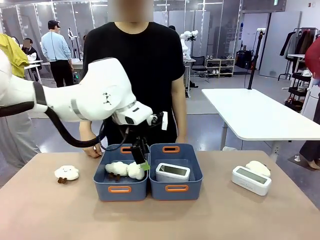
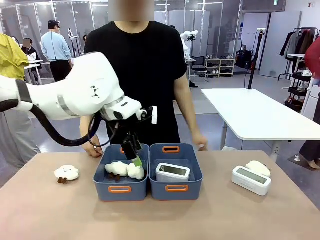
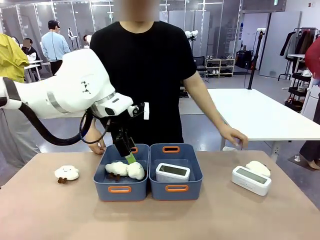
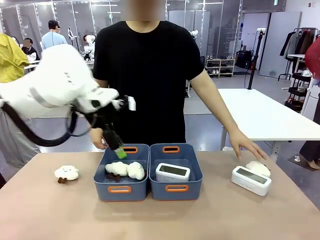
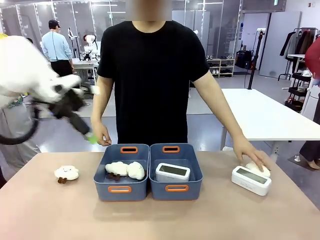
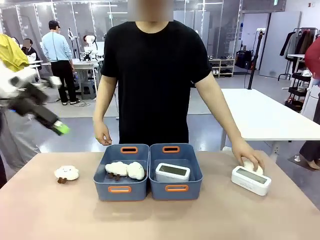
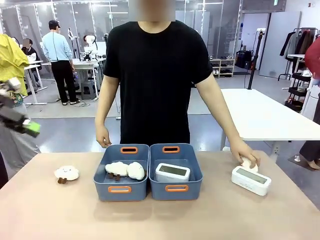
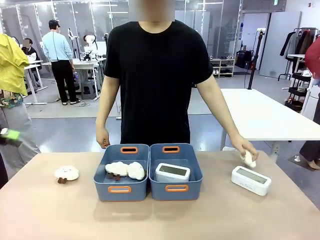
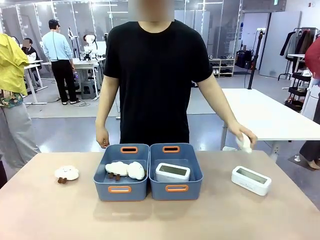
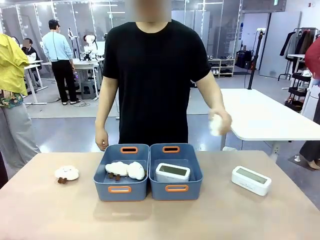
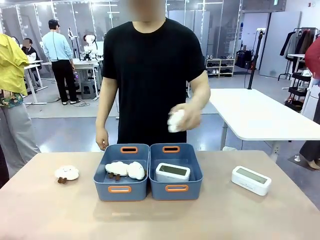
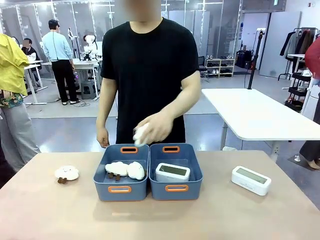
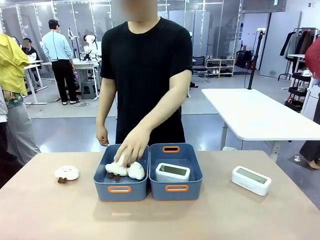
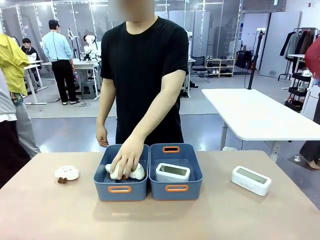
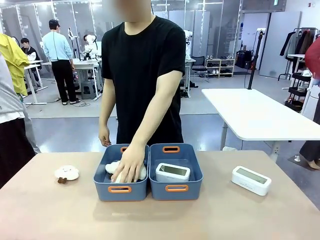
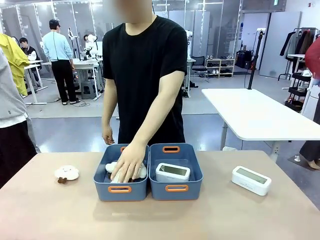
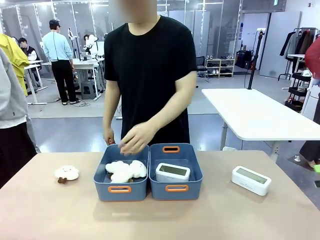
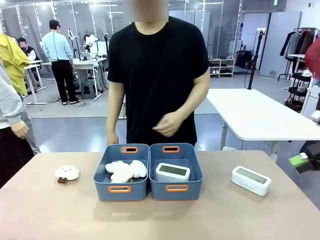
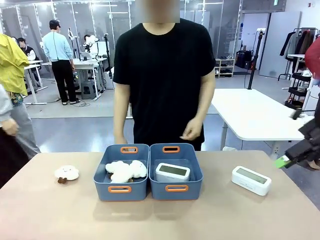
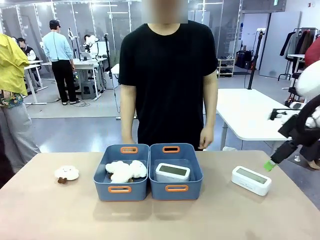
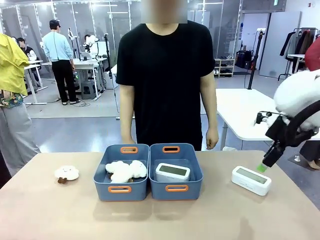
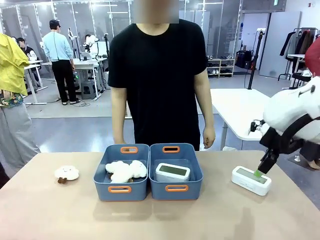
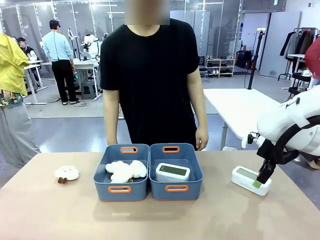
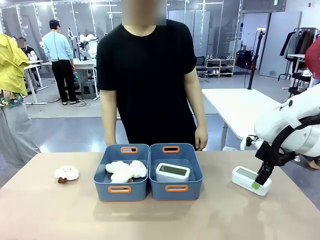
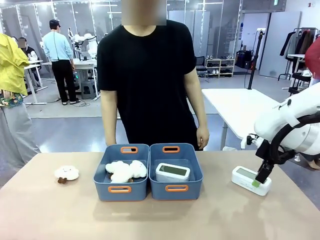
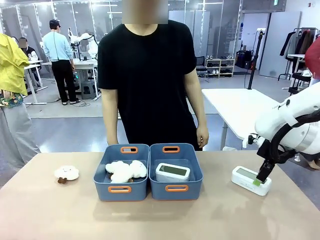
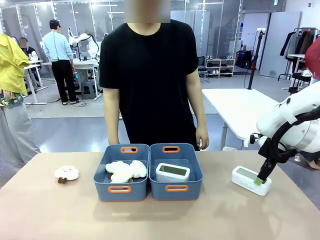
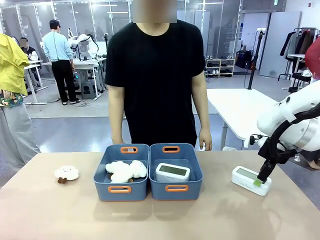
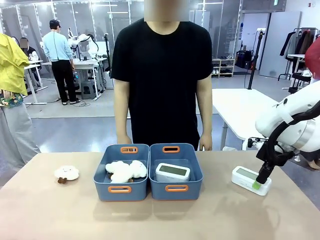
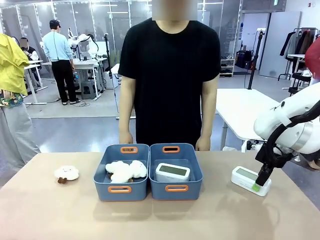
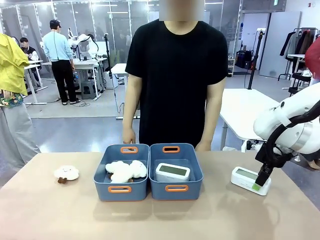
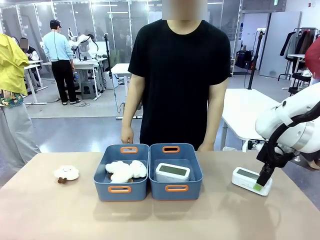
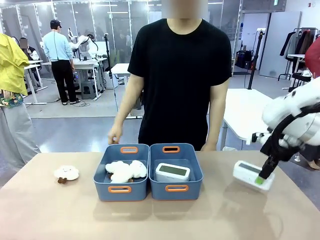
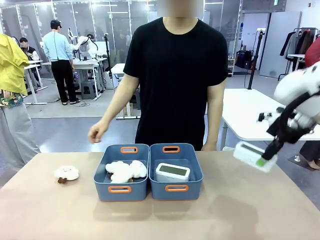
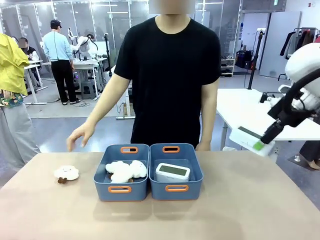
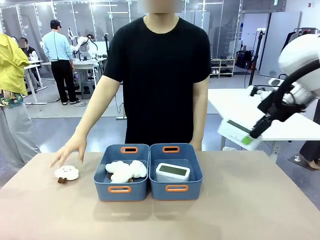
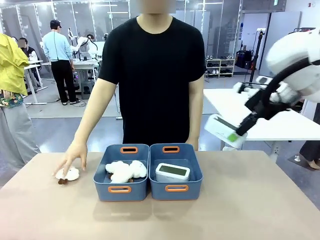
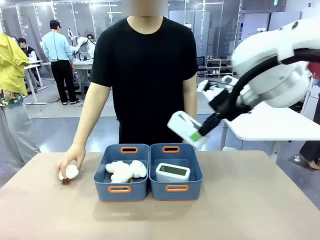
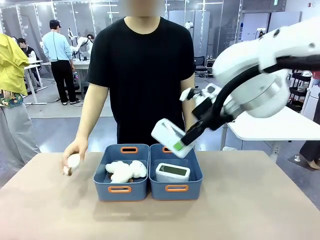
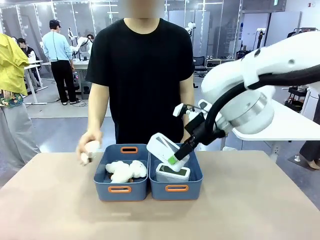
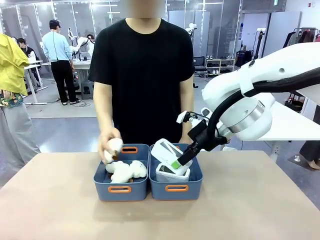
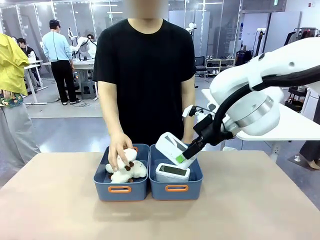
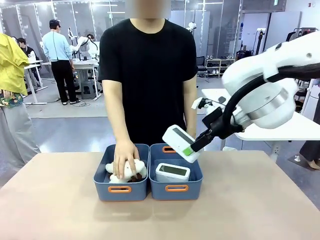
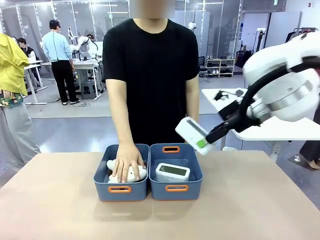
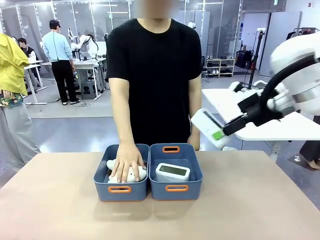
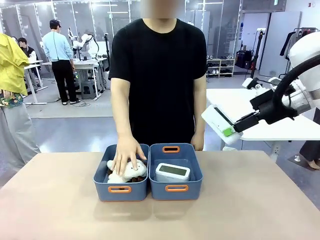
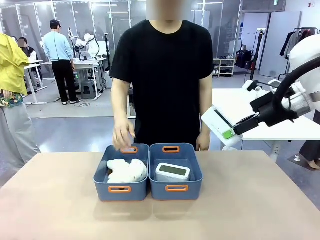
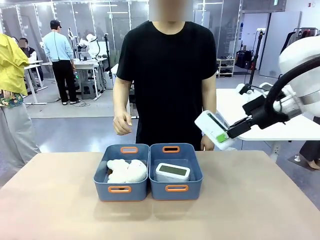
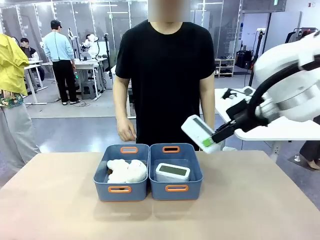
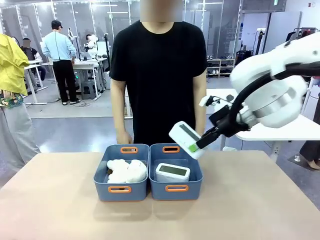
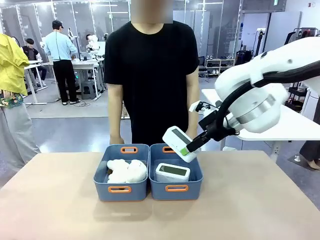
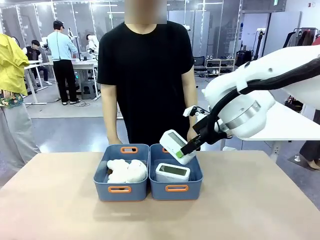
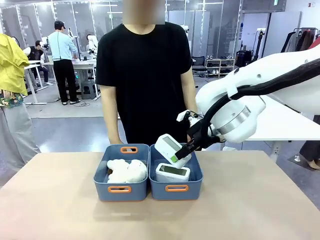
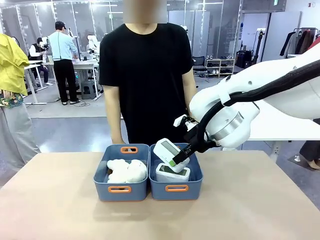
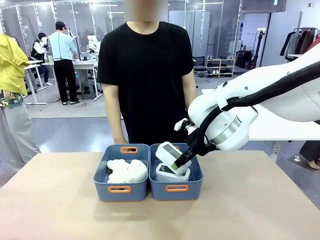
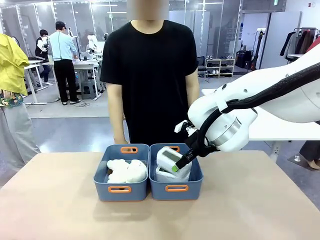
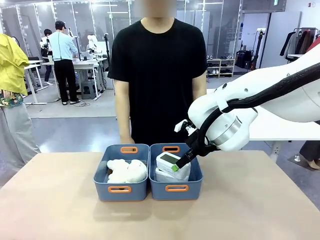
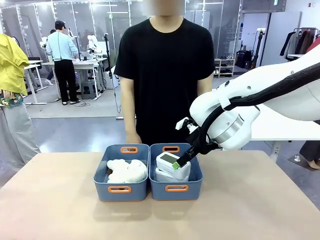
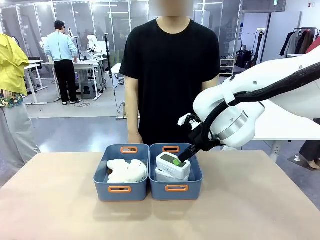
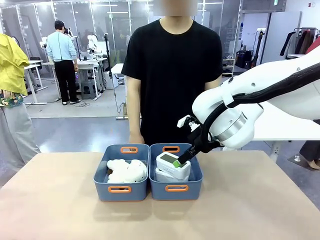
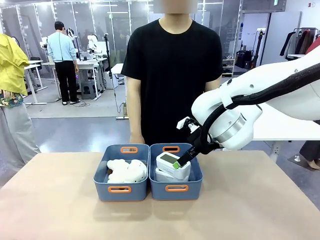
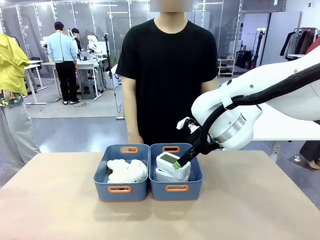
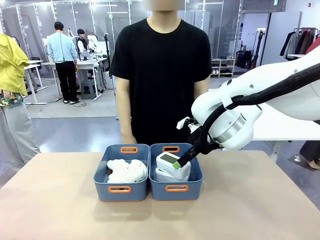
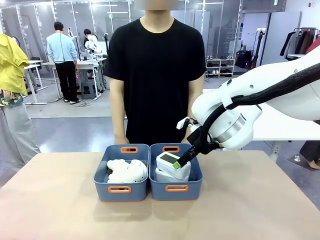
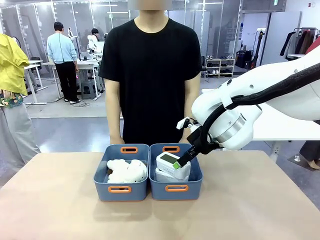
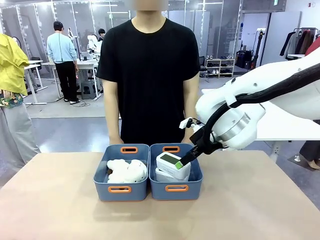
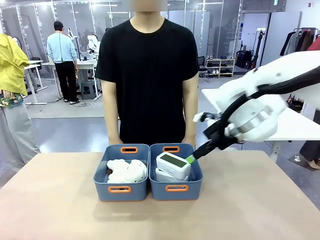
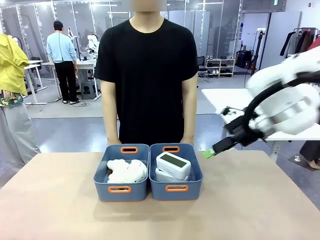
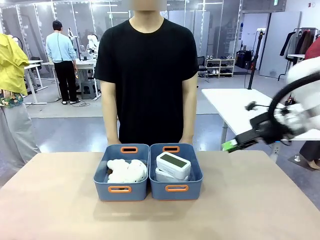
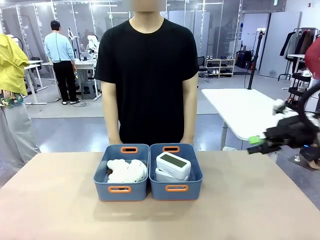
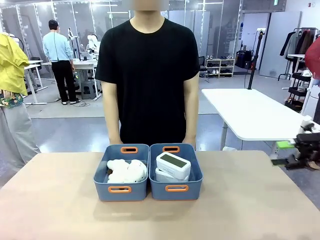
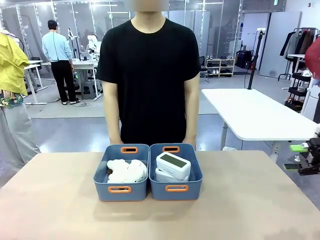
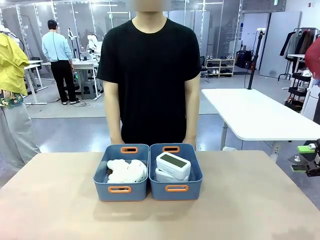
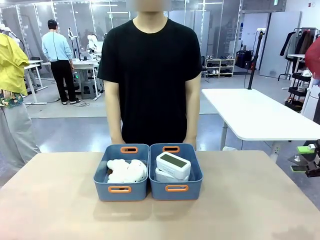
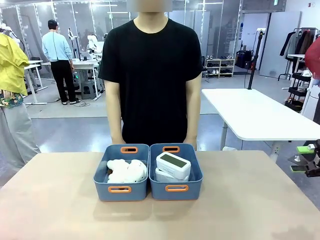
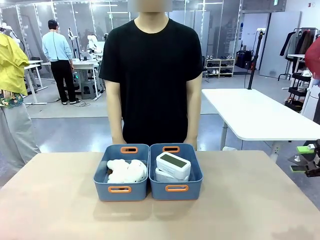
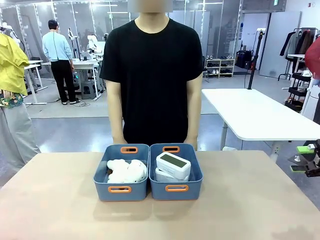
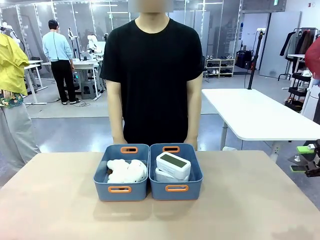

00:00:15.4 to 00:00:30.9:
Task: Sort the digital clocks into the basket.
Robot: Pick up the Digital clock from the table and place it into the empty Plastic storage basket.
Person: Pick up a plush toy from the table and place it in the plastic storage basket containing the plush toy.

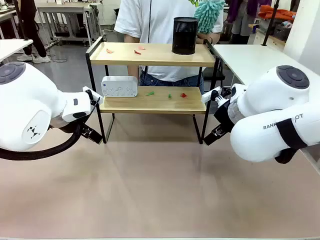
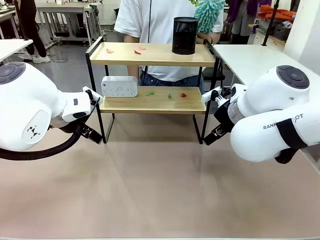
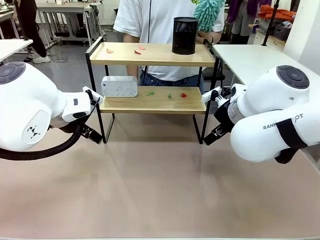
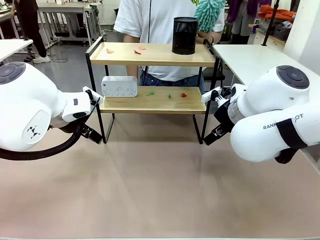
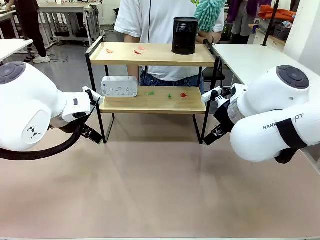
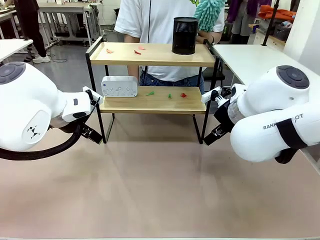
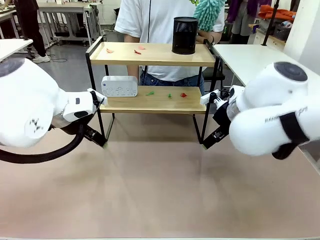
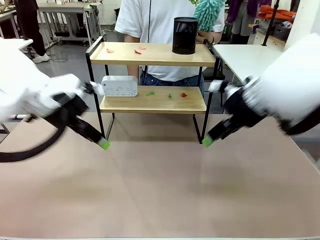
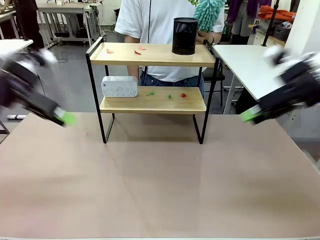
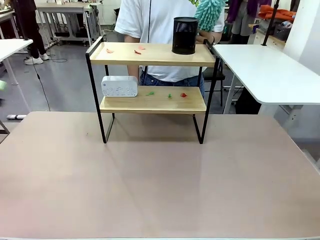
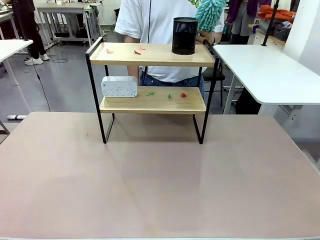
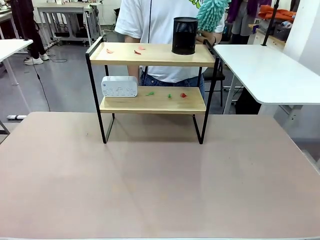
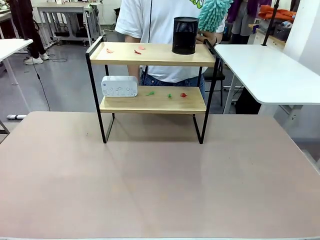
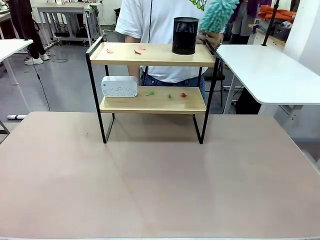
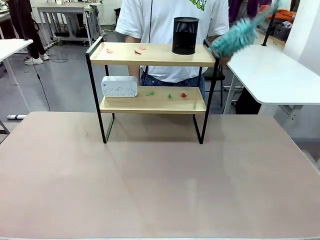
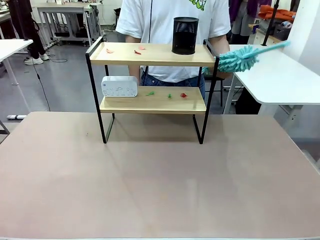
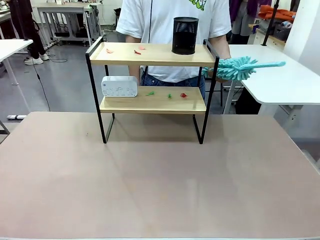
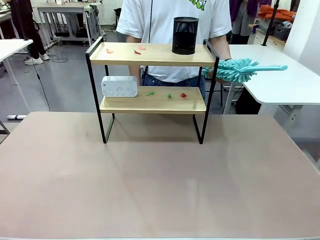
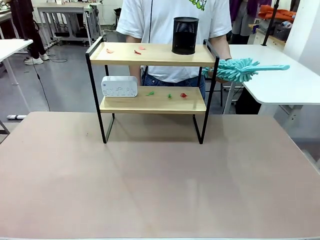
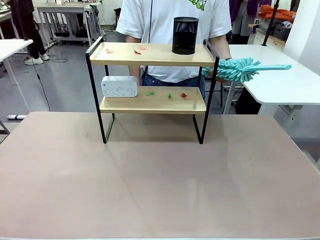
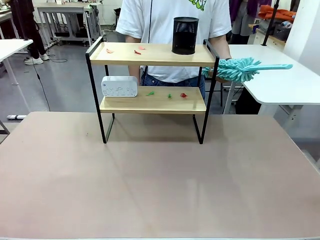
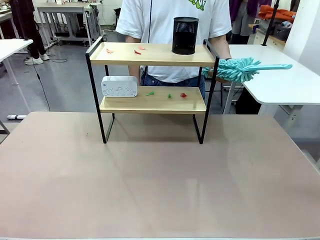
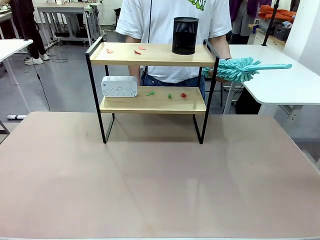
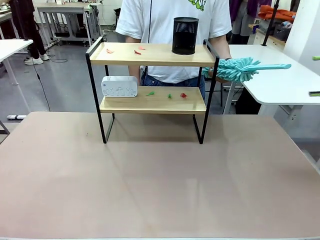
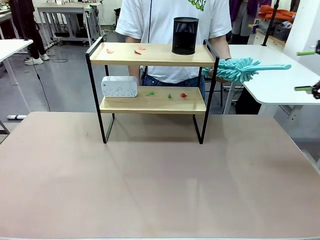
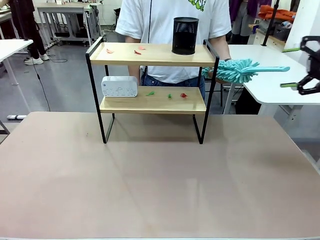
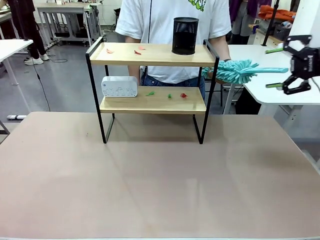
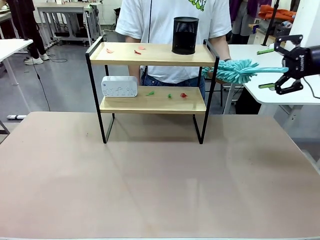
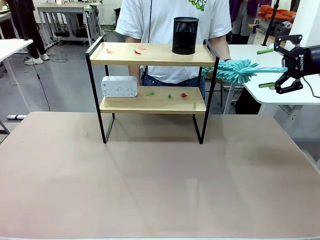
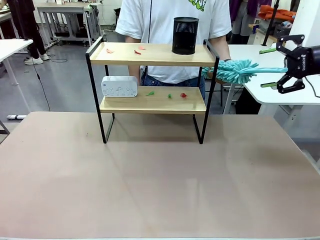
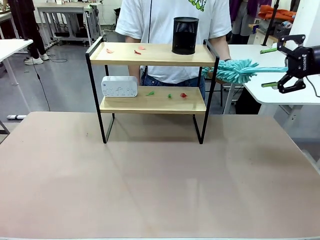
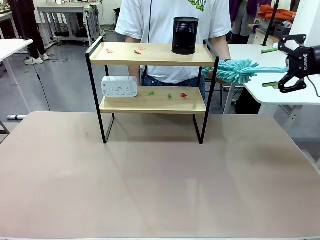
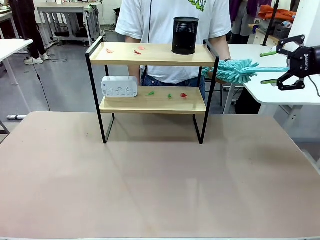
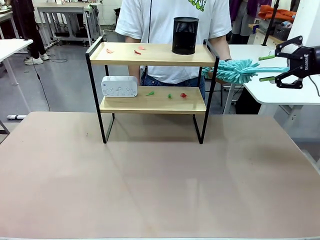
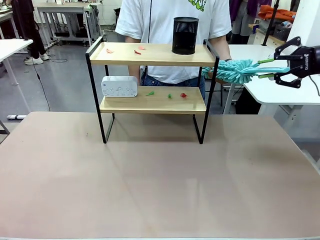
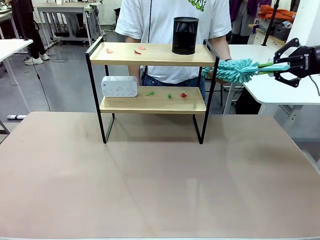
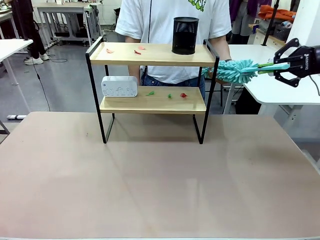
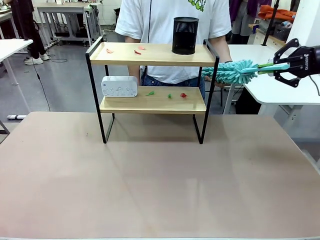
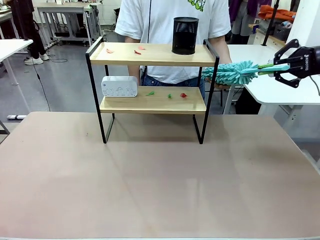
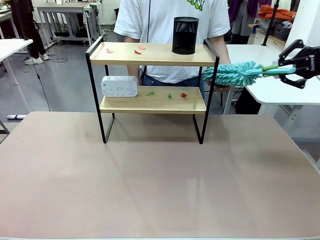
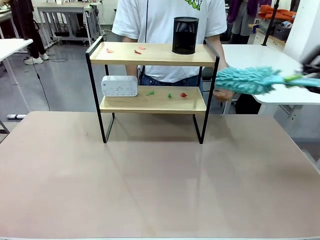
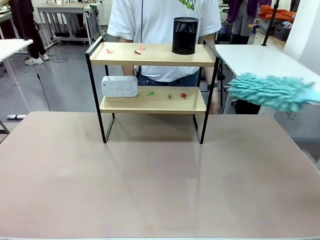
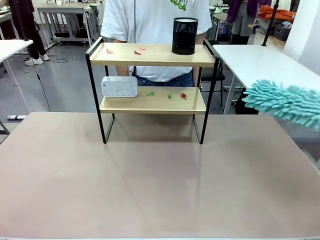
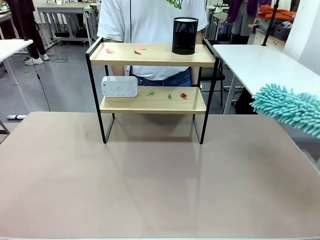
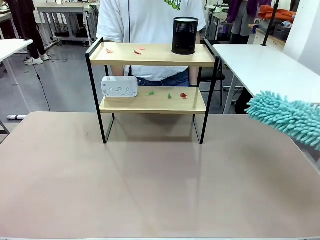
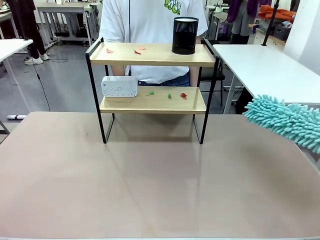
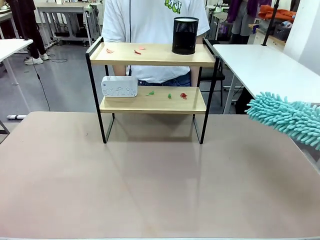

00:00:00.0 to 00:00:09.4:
Task: Clean the shelf.
Robot: Pick up the Duster from the human.
Person: Hand the Duster to the robot.
